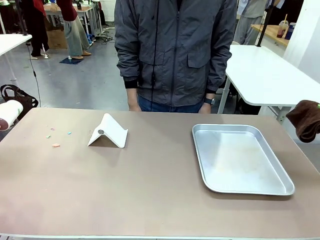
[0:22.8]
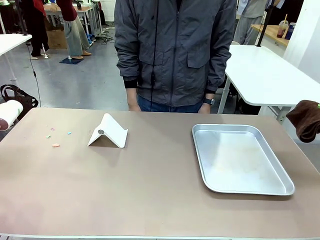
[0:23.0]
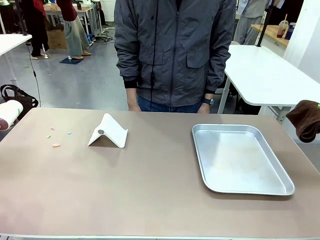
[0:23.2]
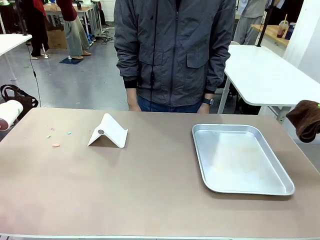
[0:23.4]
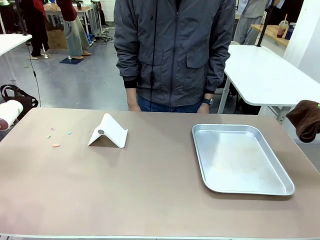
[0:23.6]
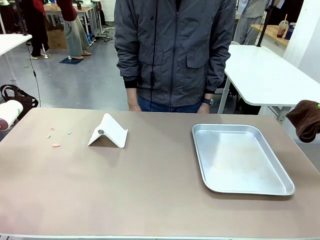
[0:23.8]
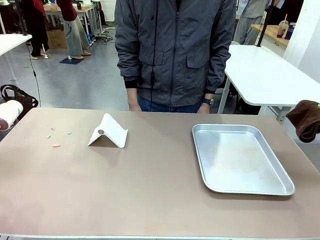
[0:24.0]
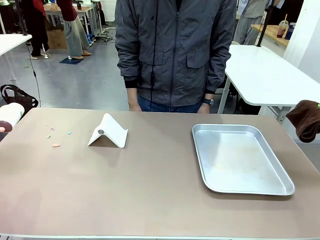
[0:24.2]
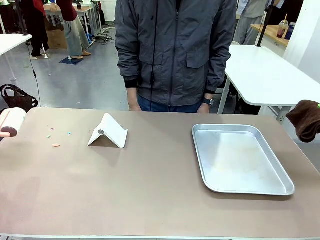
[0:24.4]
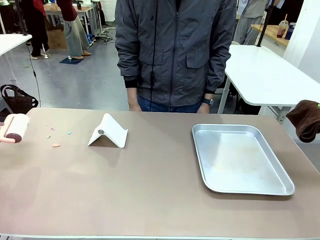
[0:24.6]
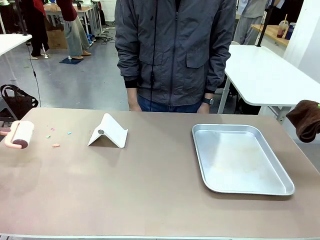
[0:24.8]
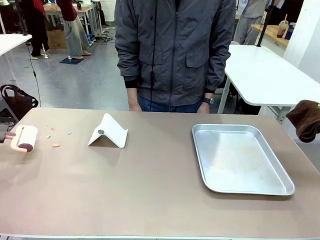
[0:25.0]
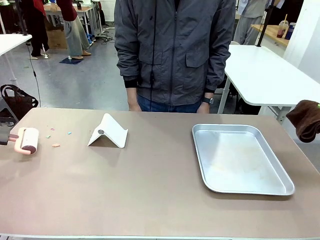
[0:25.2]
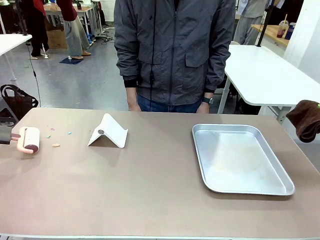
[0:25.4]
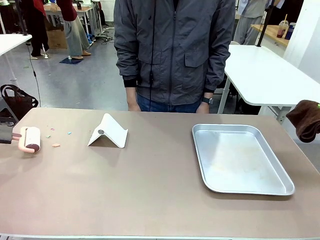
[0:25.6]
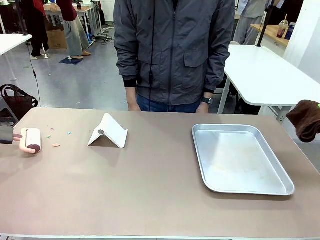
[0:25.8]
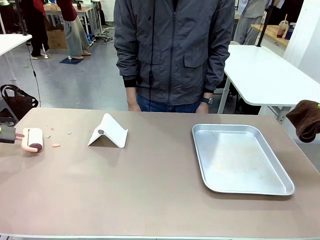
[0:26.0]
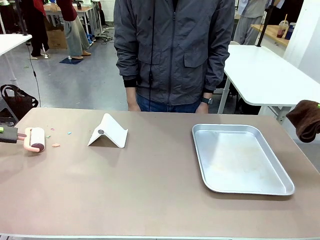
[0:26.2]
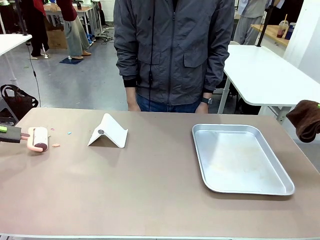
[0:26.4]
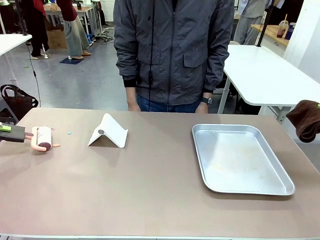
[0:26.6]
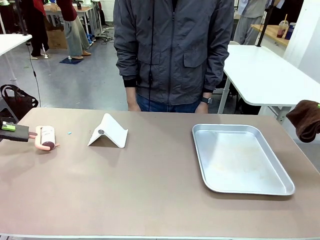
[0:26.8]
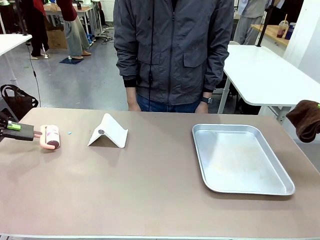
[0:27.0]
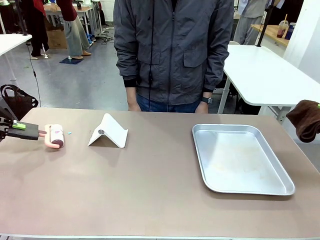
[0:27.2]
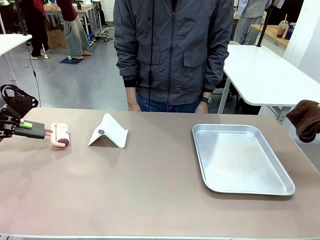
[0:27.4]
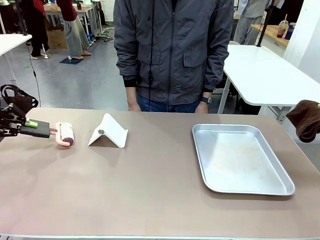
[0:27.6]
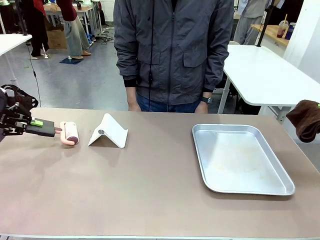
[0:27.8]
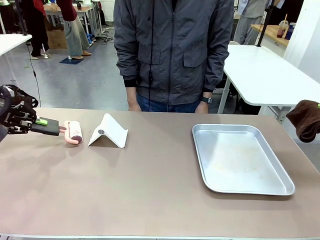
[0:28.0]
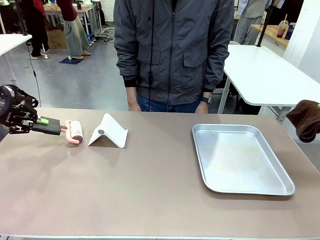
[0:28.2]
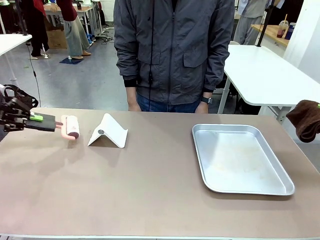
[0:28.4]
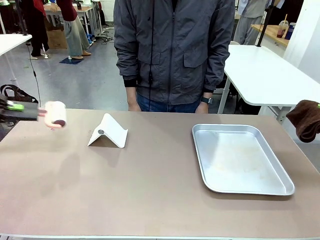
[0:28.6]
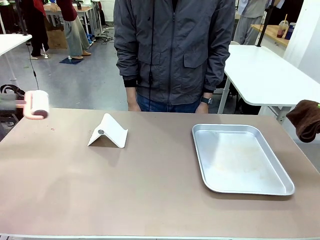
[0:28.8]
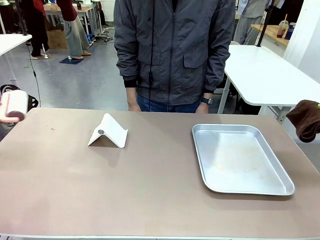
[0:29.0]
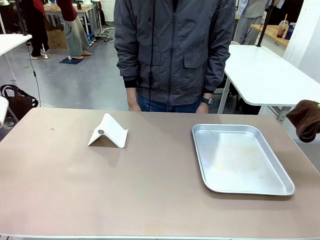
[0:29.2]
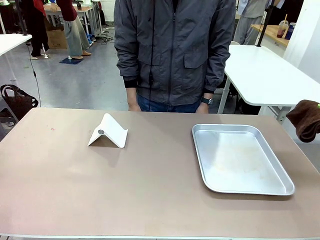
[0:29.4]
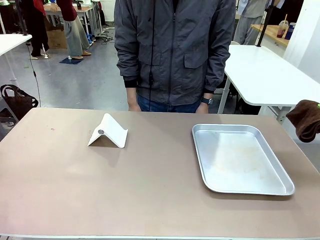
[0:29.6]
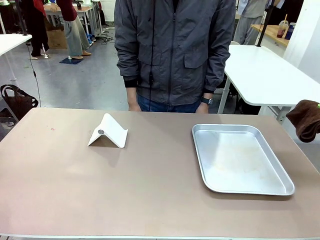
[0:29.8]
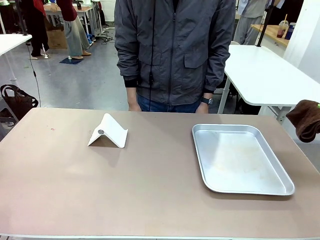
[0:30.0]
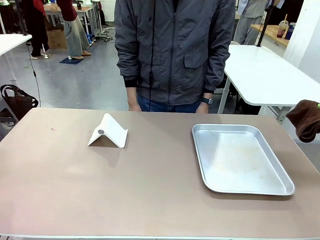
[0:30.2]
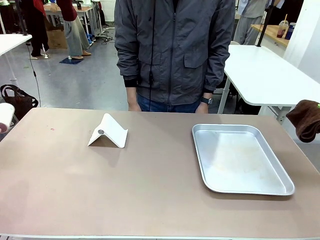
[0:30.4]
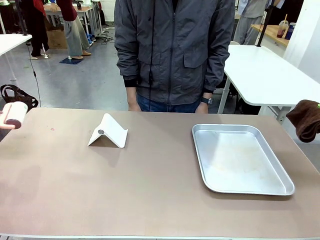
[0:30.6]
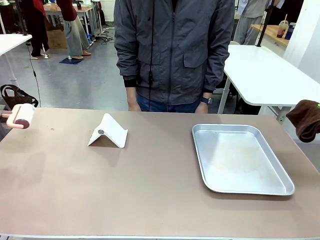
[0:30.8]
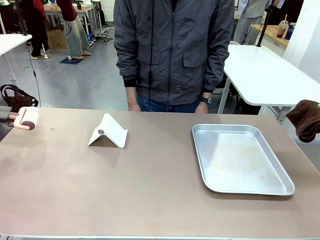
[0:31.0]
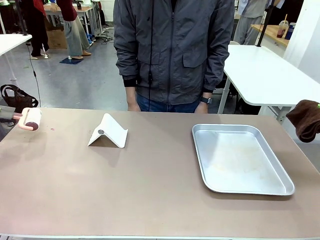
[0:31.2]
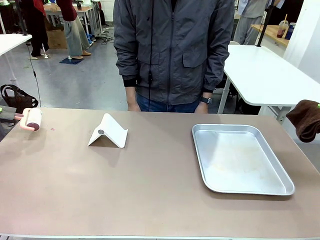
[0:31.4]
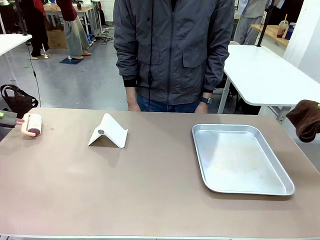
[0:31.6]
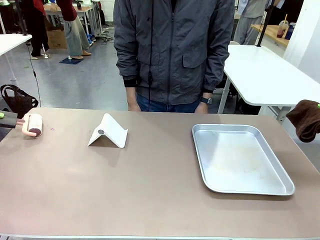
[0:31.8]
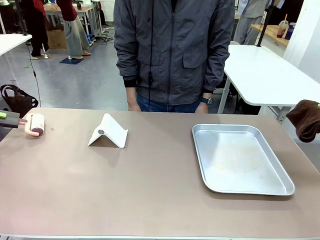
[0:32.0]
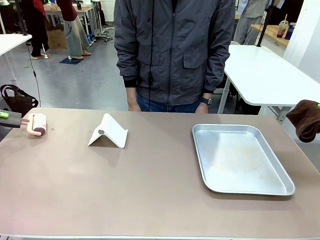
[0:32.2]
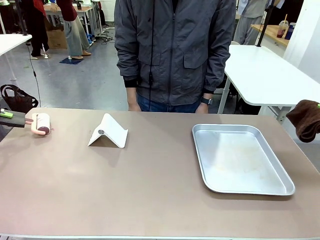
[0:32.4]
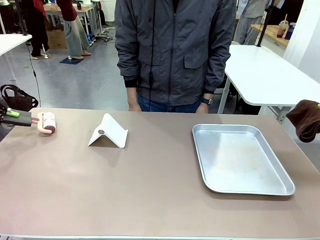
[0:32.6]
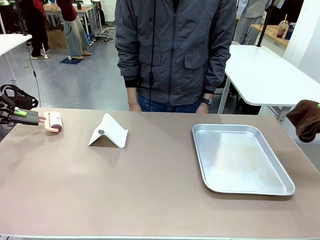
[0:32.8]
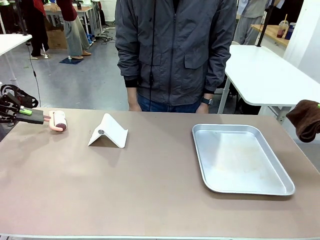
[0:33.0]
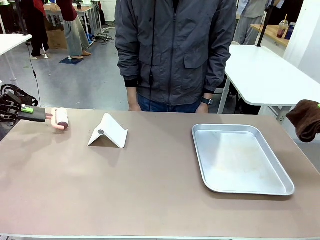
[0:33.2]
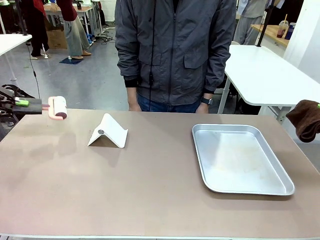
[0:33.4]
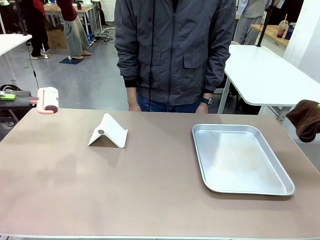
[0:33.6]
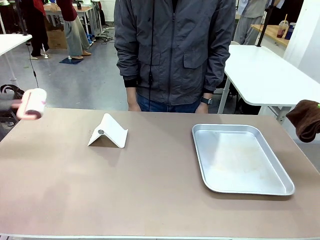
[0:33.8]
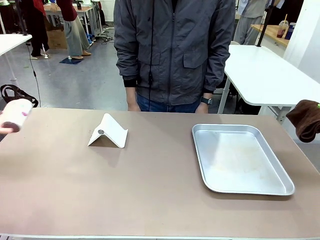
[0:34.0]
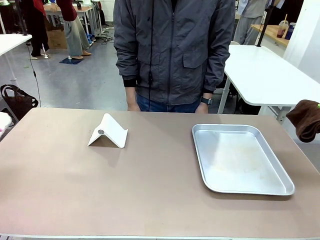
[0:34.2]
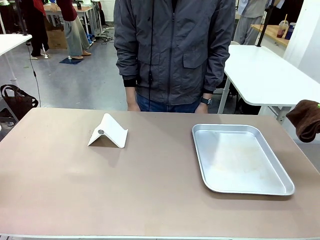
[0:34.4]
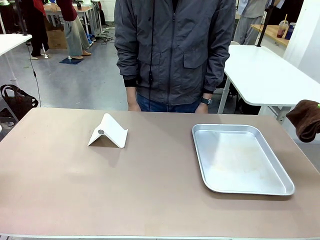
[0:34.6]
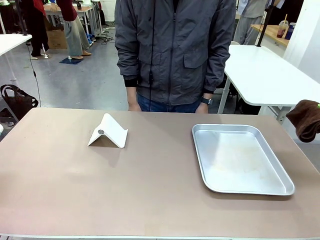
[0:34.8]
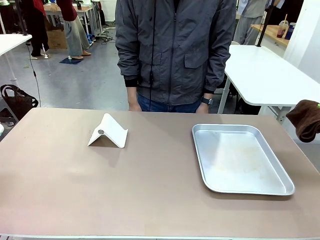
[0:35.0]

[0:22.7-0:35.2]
Task: Clean the surface of the table.
Robot: Clean the area not pointed to by the person.

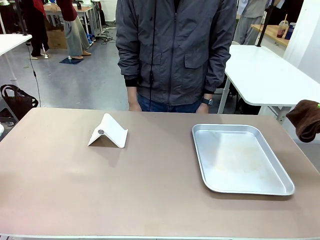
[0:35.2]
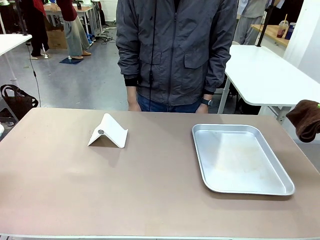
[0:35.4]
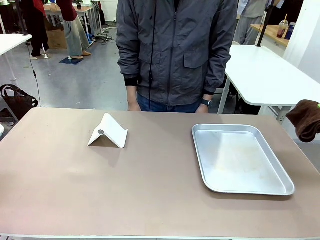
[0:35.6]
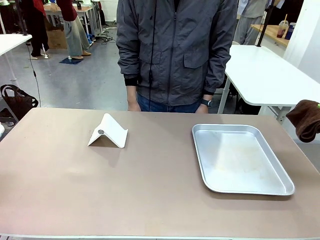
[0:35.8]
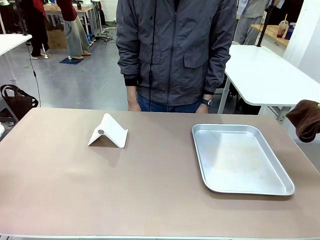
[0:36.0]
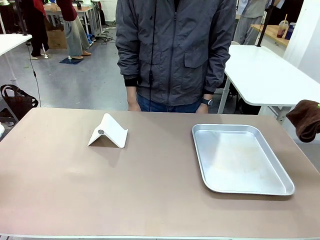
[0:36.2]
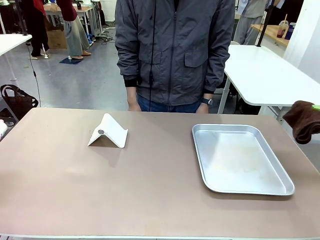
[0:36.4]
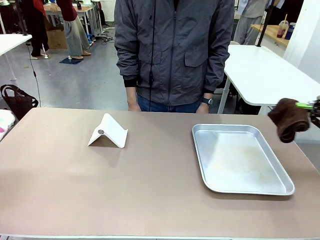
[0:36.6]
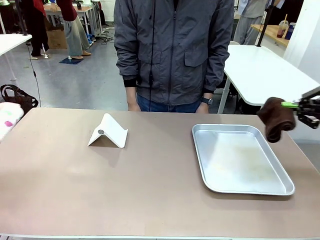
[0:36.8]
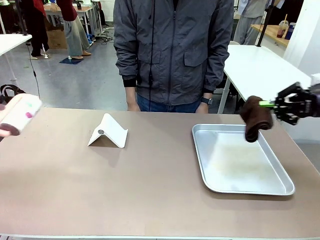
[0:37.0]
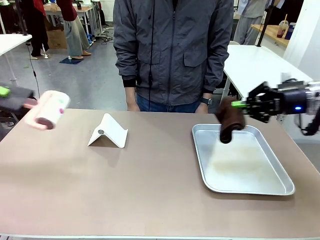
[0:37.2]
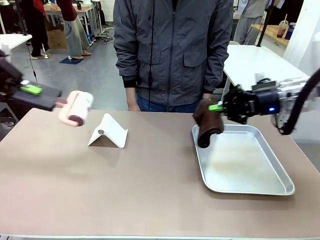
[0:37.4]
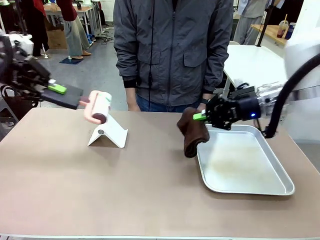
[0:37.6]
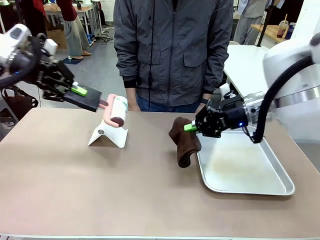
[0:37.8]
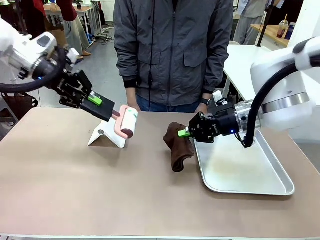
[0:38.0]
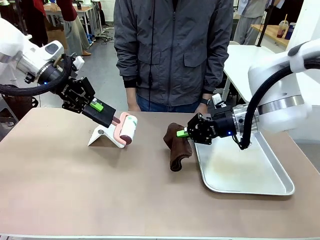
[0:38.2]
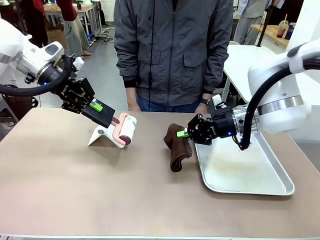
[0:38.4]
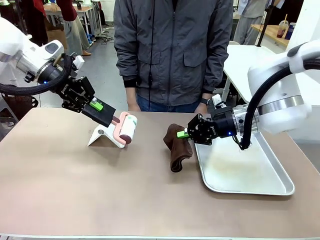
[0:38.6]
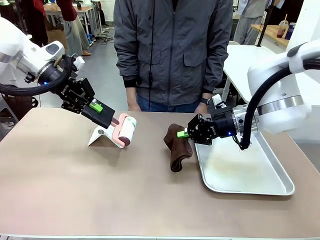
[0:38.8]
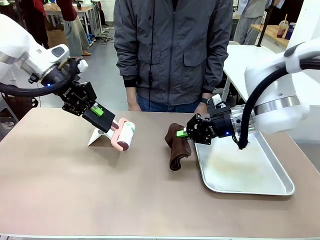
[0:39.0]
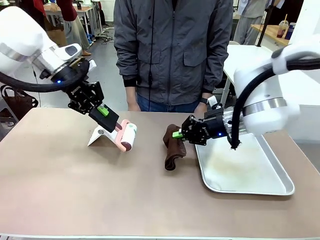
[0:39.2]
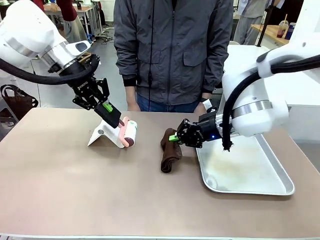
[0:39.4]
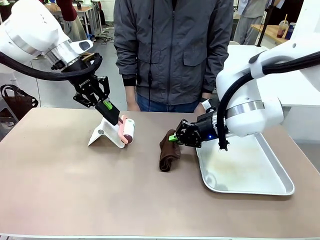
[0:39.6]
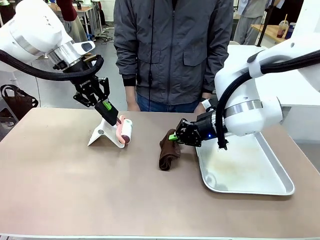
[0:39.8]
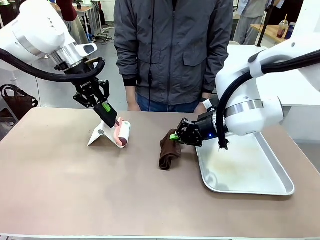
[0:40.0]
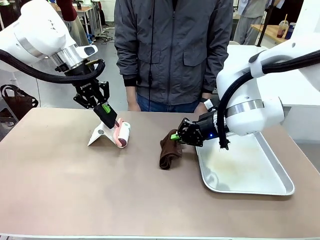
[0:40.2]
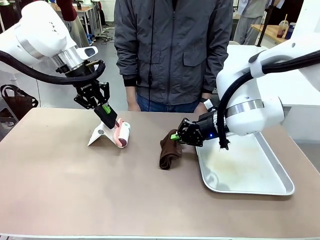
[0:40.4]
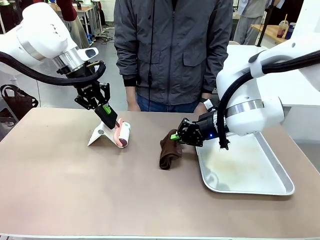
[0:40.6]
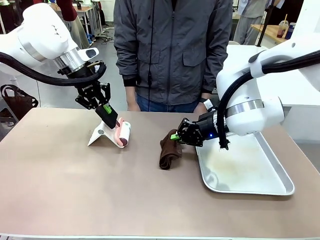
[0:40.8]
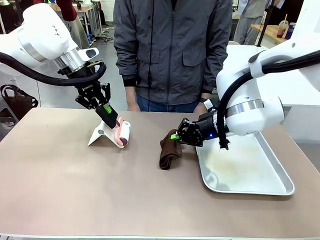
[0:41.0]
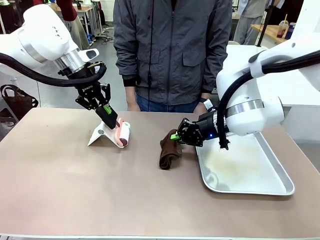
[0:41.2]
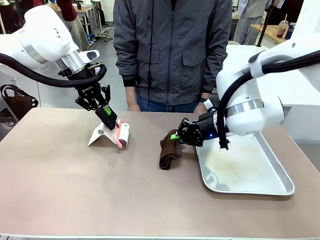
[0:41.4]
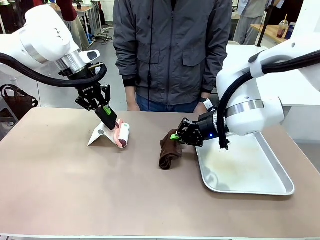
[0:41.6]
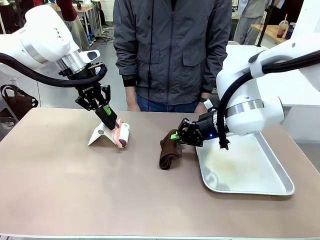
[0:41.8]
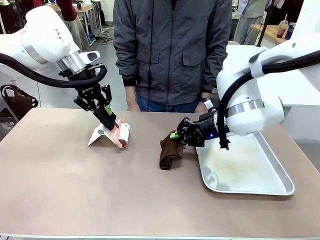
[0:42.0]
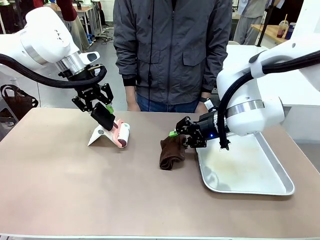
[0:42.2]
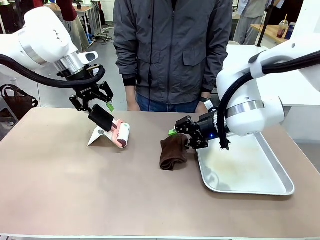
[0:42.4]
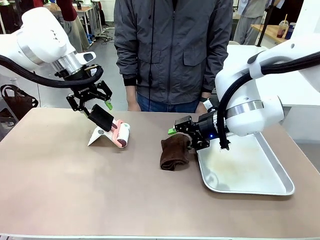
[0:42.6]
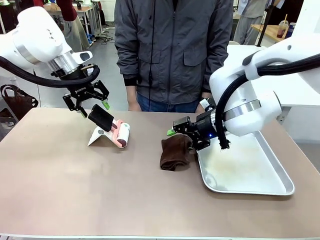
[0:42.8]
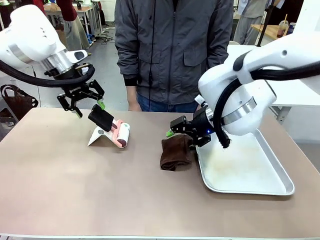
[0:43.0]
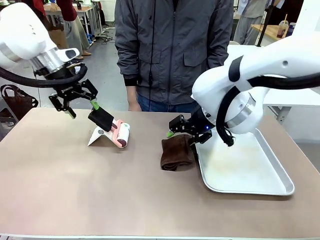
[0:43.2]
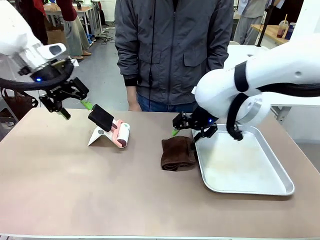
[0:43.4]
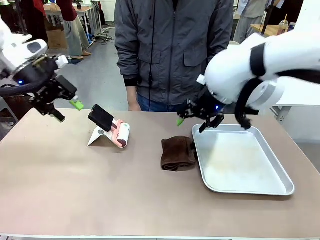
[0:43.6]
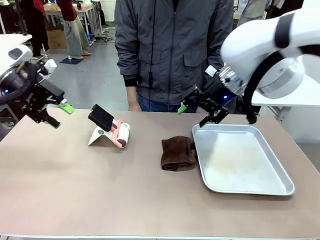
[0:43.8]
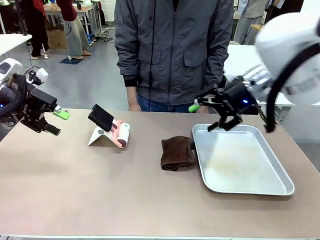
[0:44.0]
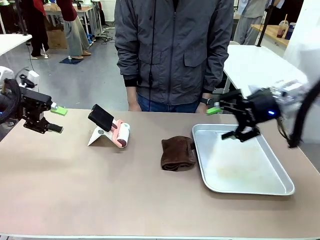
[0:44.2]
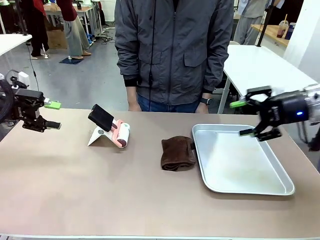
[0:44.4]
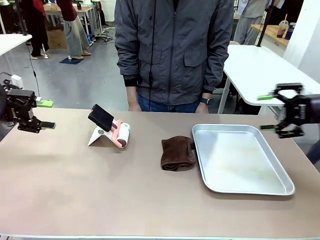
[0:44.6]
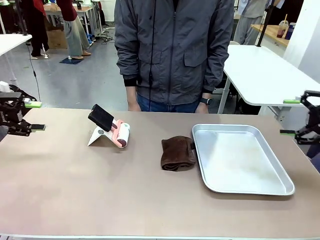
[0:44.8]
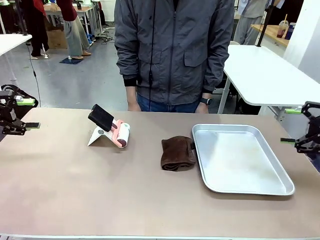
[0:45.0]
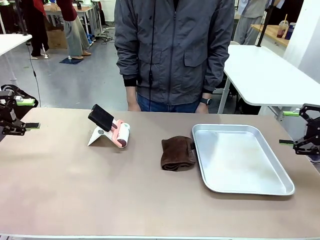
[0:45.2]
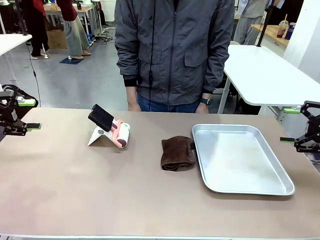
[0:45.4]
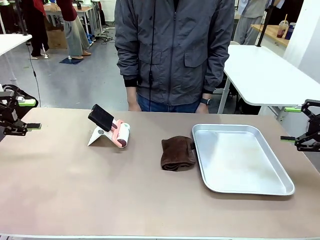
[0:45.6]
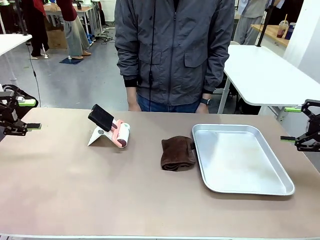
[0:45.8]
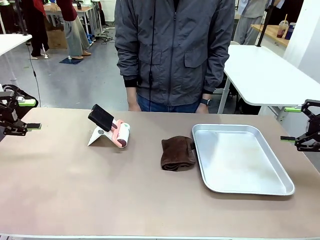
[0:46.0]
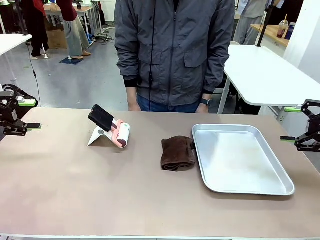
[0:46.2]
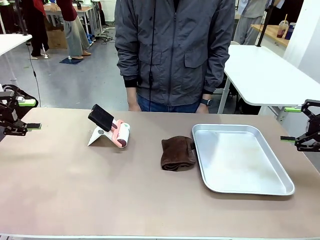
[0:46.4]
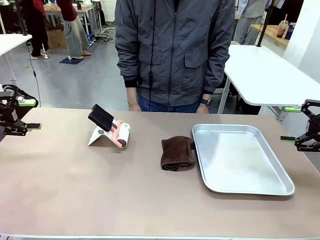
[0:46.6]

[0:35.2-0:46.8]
Robot: Return the Lint Roller and towel to their original positions.
